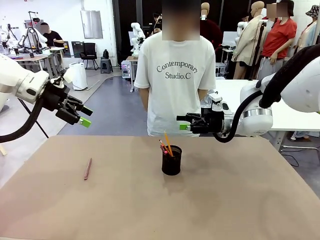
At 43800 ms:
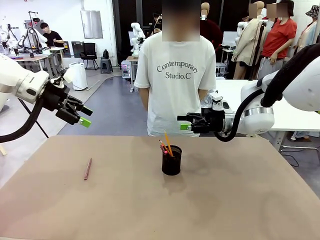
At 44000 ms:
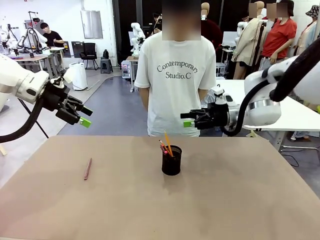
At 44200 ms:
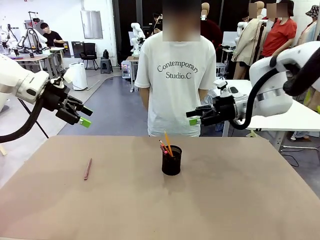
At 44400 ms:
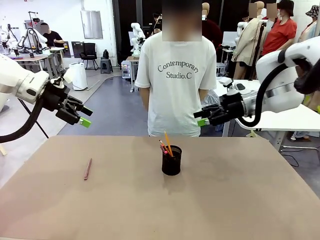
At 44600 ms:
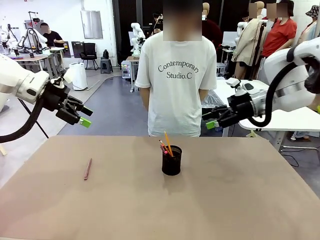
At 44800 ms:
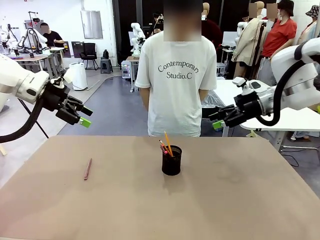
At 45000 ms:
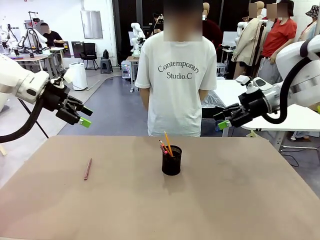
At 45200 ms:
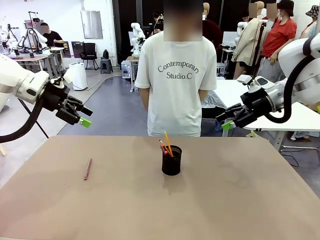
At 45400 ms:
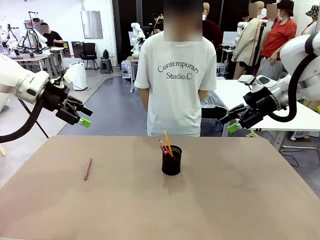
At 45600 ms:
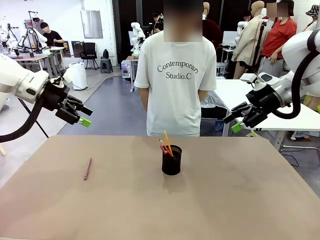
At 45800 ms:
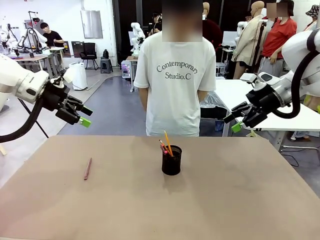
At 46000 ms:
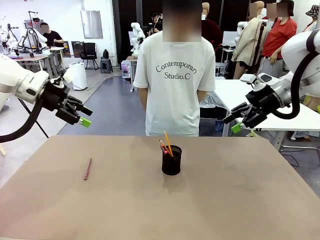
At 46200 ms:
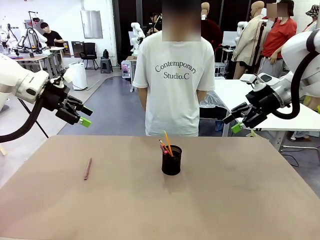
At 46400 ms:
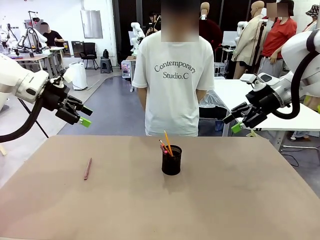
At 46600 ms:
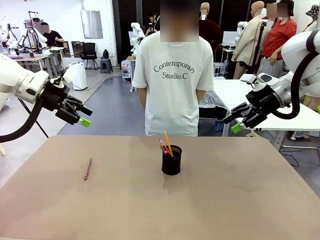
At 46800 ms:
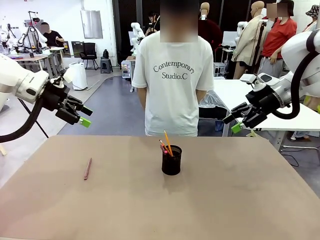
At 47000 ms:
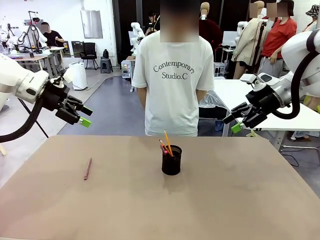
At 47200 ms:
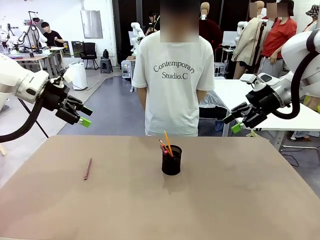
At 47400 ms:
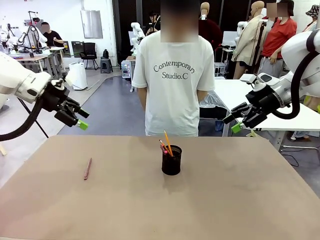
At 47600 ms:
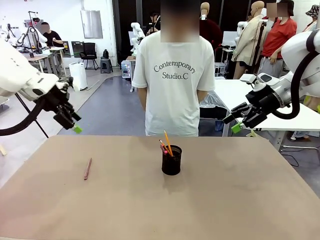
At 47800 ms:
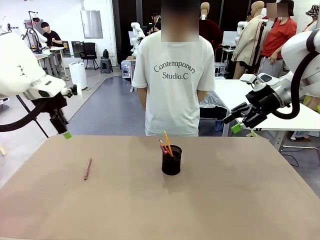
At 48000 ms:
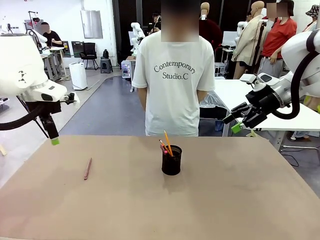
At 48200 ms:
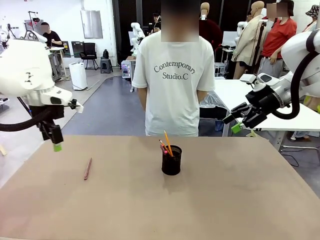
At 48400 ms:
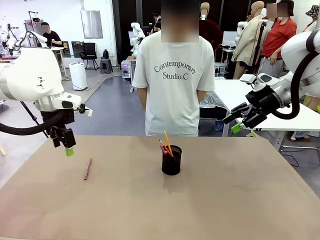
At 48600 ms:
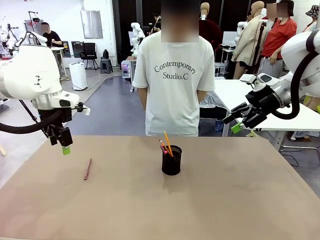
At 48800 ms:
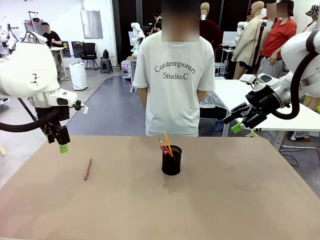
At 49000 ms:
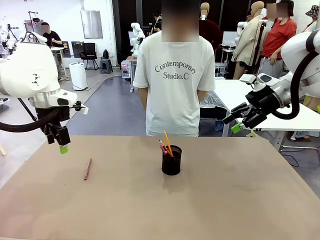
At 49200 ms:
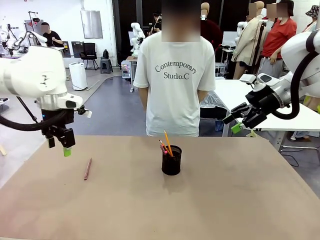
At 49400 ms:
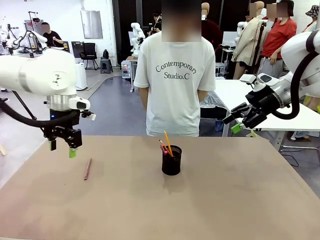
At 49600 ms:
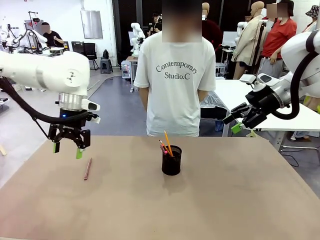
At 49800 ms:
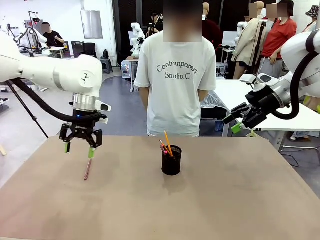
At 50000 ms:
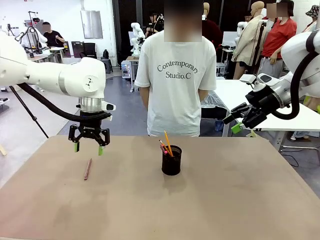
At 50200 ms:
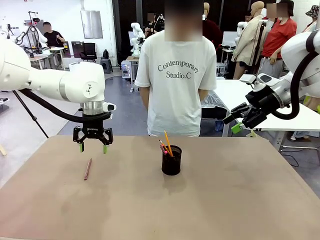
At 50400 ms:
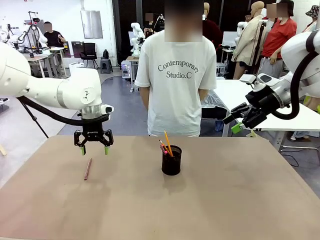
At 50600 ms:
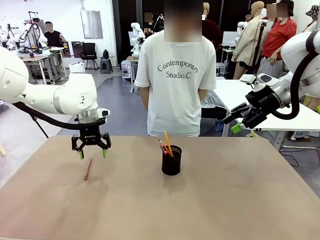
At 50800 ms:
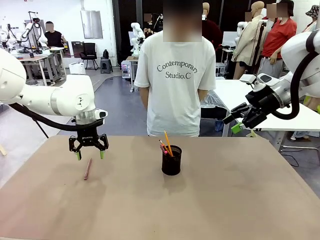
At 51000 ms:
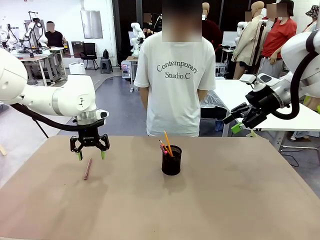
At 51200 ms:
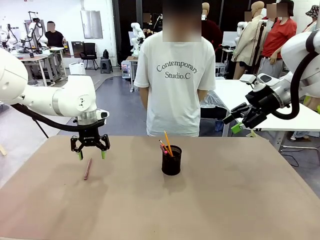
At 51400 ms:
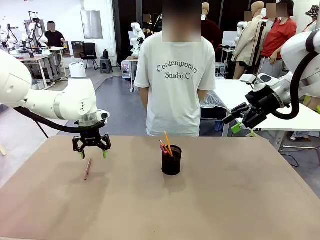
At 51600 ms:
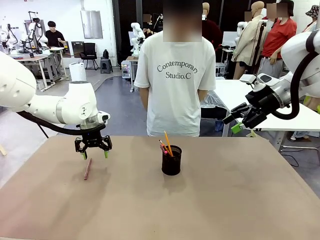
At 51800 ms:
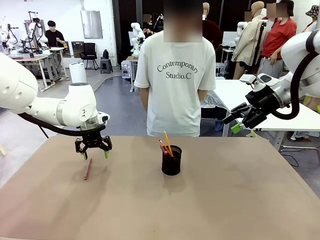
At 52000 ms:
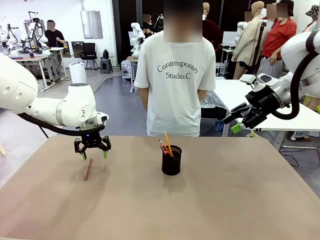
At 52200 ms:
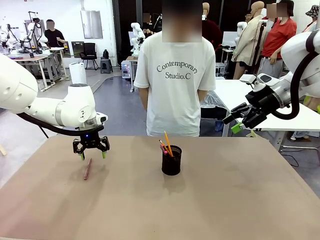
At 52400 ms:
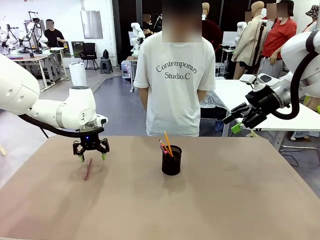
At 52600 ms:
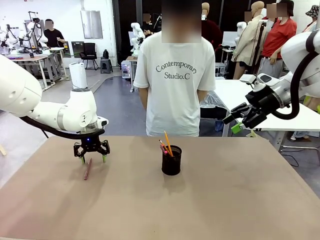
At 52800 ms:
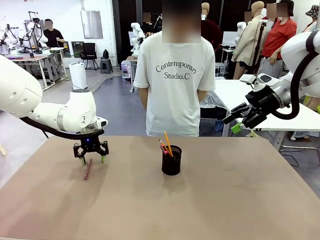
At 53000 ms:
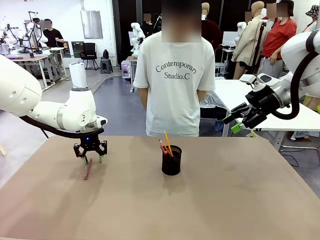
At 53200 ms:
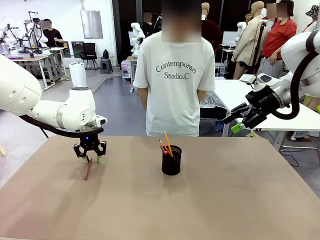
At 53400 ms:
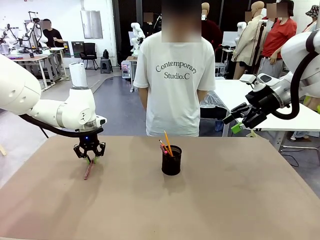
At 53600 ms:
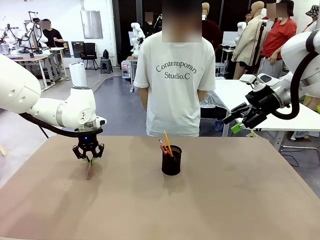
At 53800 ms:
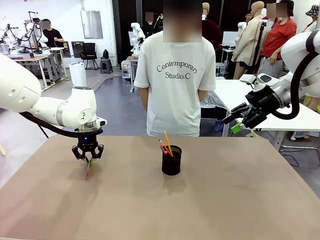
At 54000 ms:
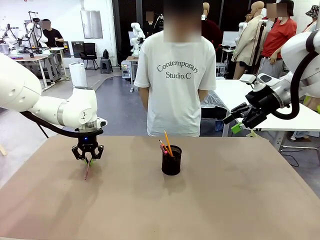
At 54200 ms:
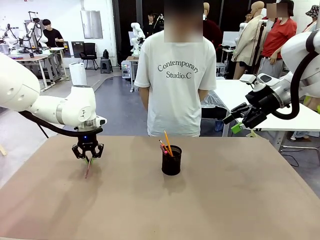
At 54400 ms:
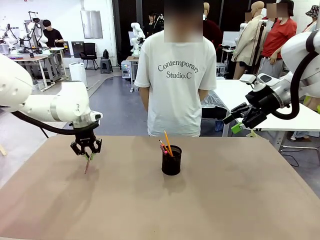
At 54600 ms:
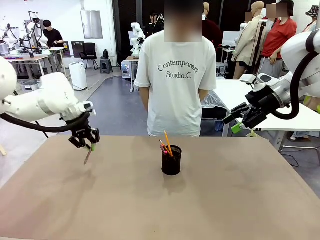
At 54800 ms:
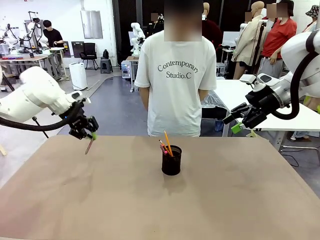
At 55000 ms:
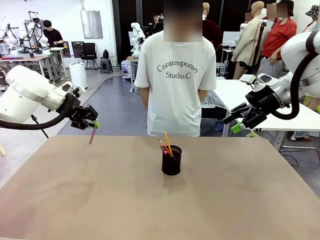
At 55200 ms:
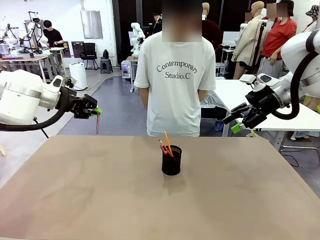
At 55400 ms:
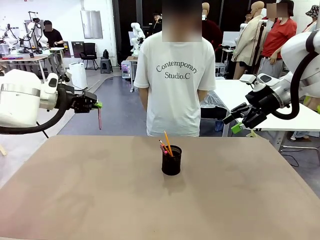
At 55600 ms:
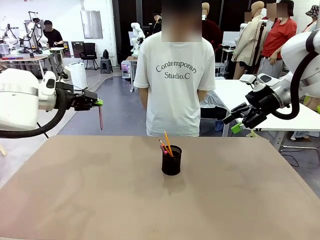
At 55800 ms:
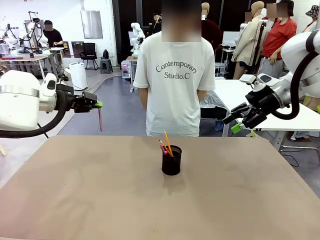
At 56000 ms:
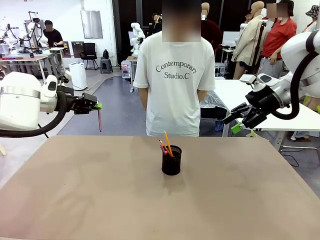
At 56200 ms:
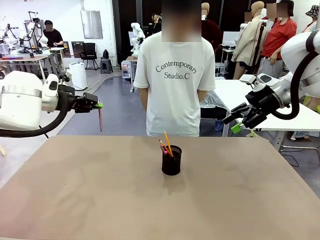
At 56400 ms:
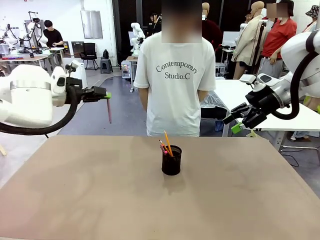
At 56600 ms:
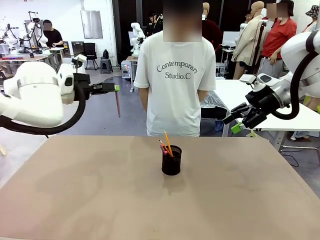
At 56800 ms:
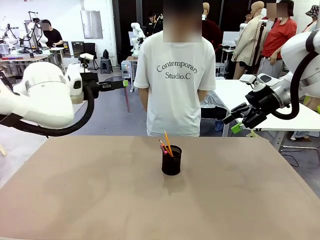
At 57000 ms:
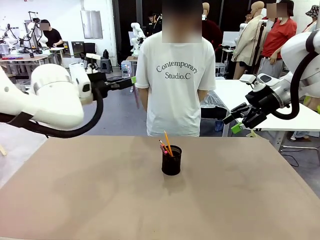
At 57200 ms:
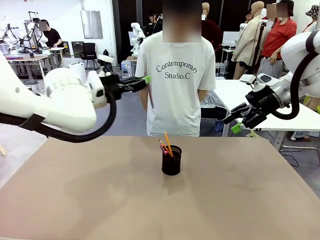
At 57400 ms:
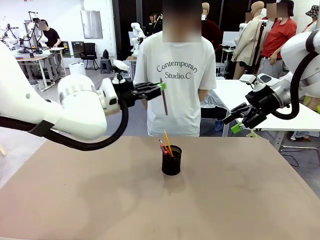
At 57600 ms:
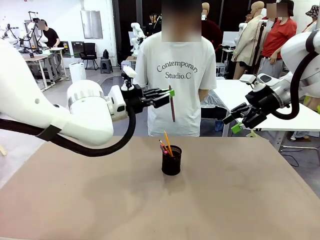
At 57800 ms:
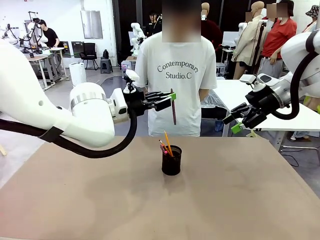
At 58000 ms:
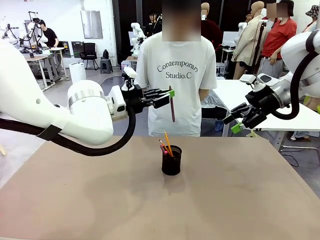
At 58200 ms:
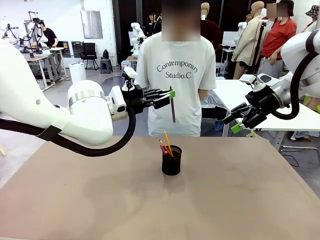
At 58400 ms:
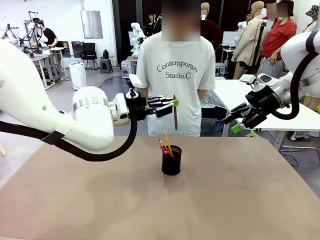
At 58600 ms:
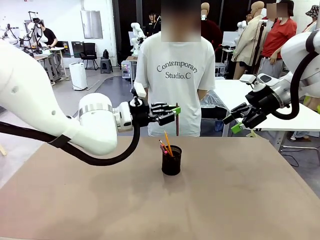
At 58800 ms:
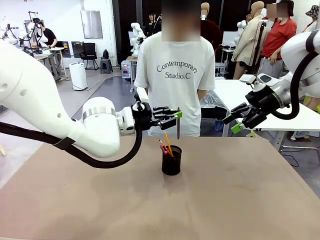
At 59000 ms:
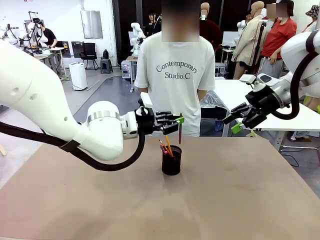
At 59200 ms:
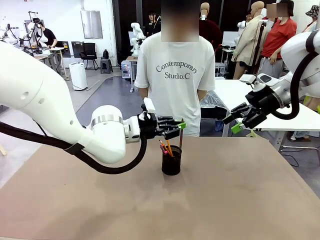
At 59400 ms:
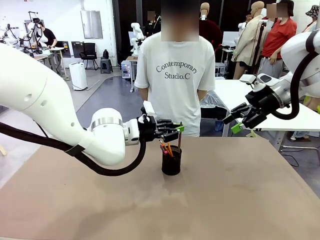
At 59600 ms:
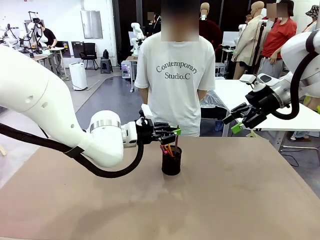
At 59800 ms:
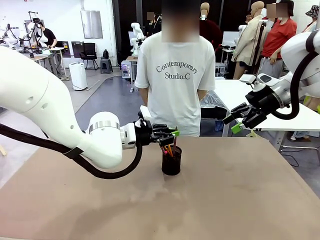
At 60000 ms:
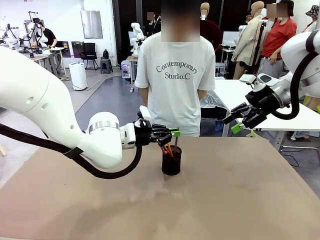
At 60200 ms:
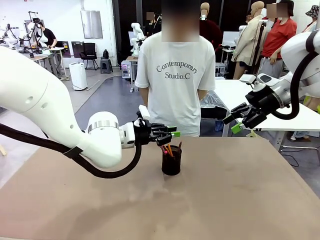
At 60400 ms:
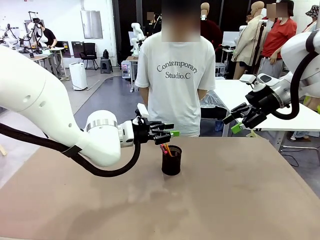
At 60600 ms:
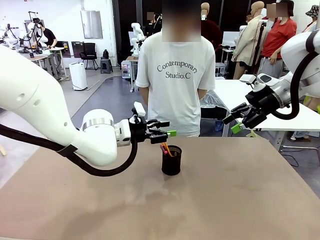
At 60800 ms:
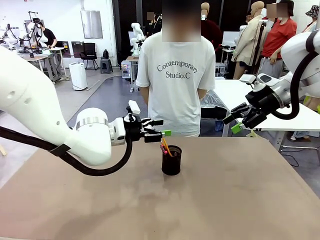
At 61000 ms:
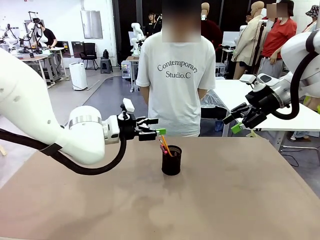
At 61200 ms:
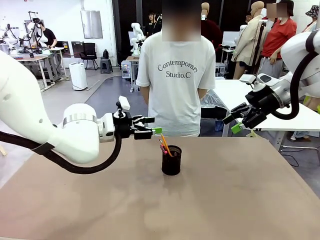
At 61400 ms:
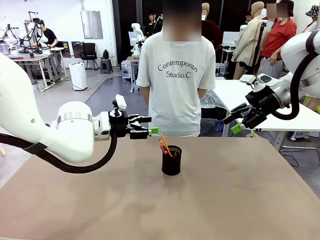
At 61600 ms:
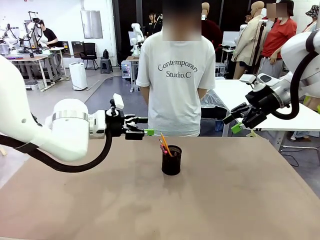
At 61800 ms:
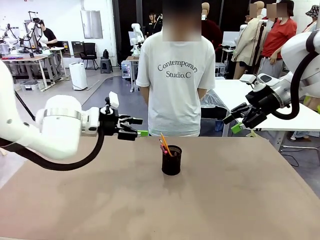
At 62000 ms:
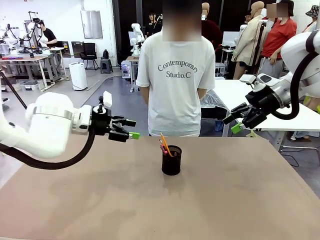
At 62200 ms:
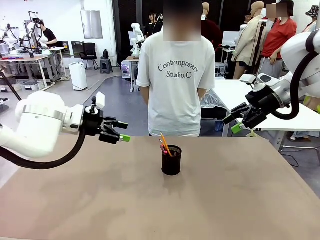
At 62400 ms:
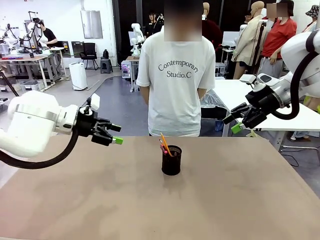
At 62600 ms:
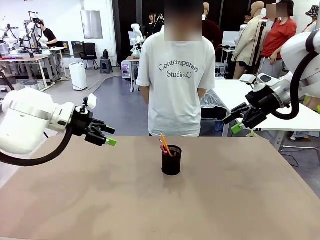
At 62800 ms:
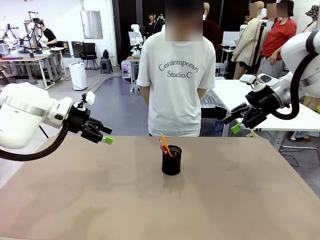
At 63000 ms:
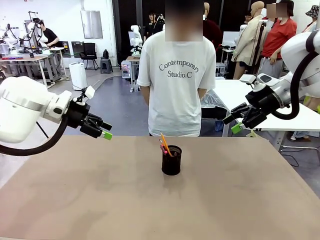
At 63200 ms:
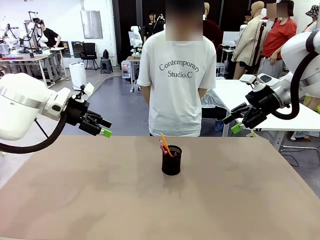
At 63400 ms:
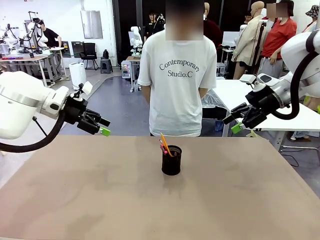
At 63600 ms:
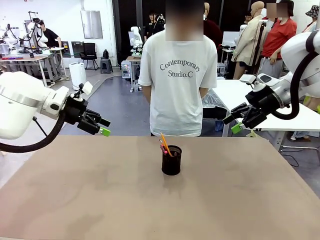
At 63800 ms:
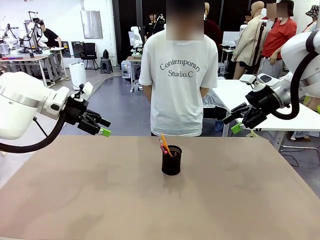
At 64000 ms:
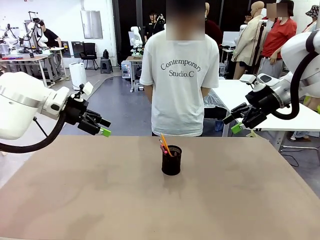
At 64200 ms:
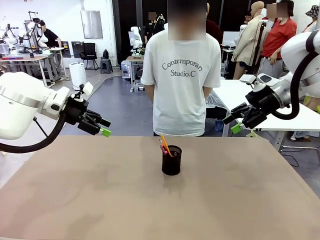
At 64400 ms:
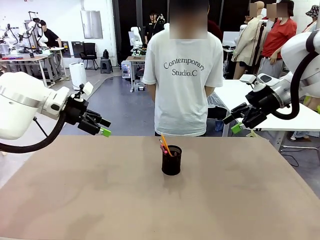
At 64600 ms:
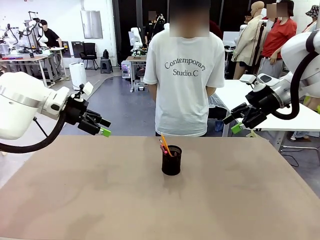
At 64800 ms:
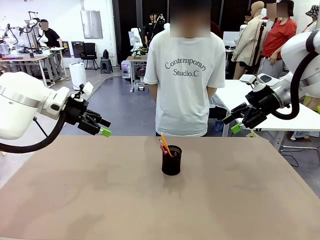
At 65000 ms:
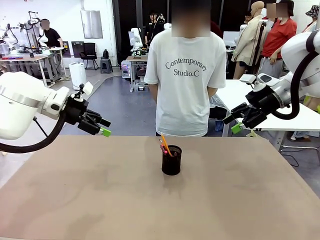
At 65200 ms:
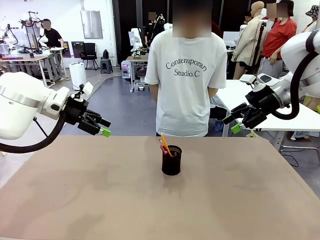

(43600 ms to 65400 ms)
Task: Place the pens into the pen holder.
Robot: Pick up a writing instrument from the table and place it into the Pen holder.
